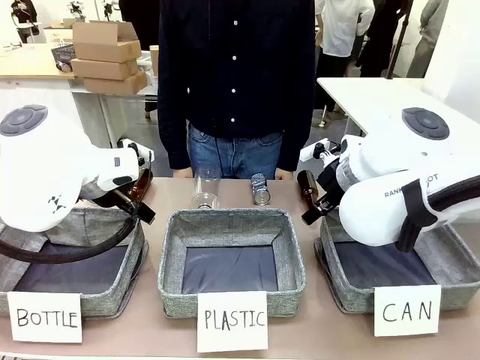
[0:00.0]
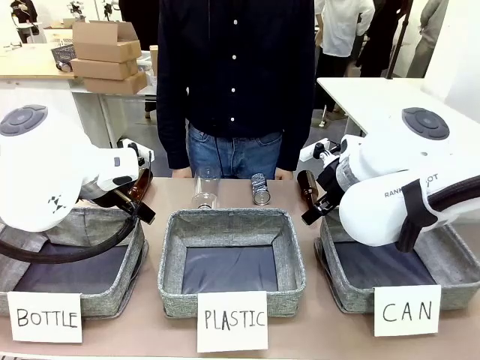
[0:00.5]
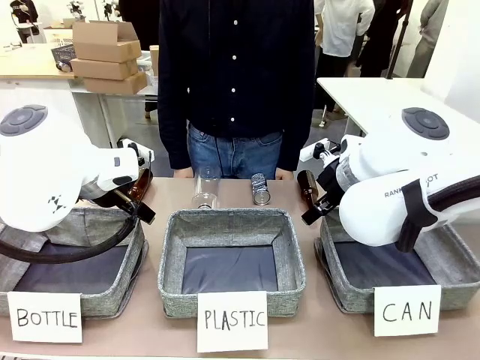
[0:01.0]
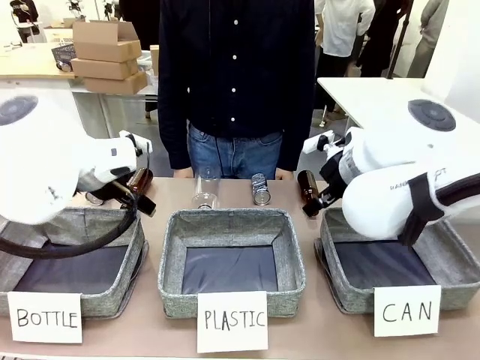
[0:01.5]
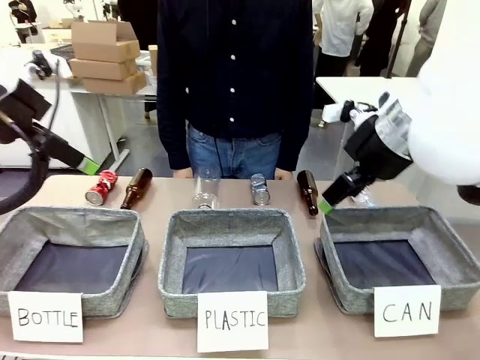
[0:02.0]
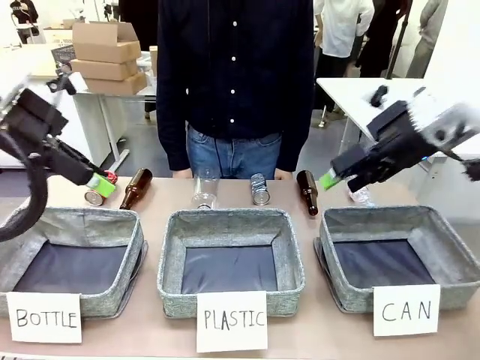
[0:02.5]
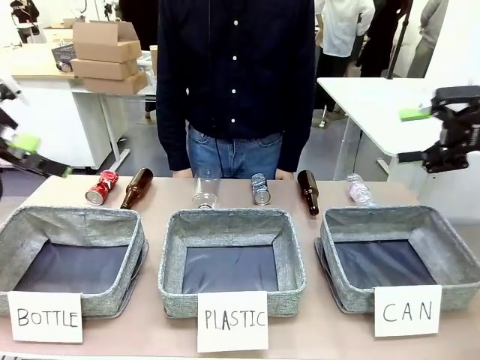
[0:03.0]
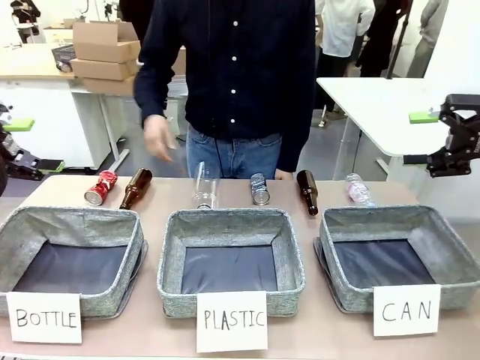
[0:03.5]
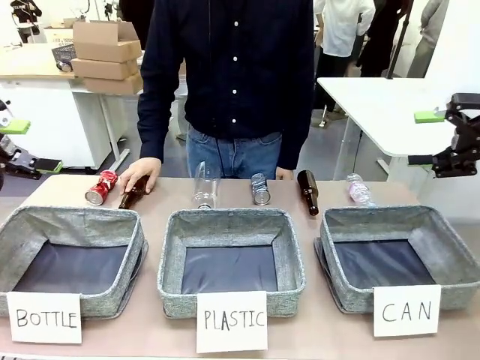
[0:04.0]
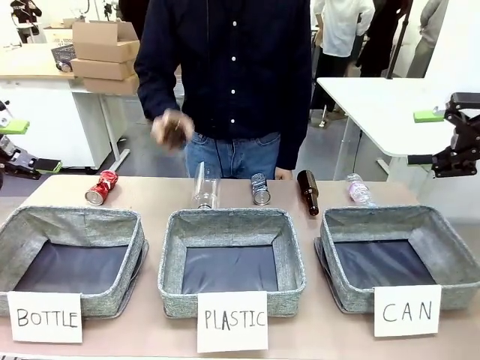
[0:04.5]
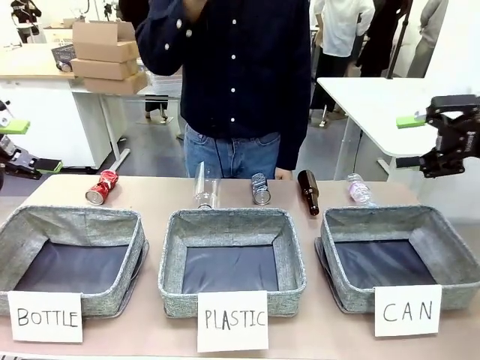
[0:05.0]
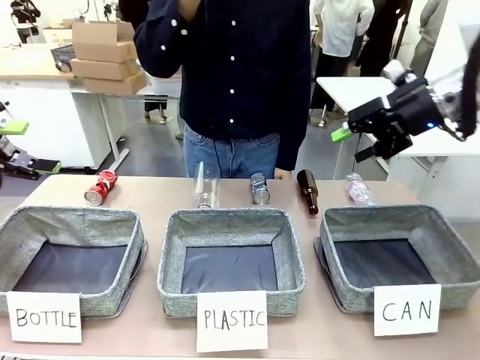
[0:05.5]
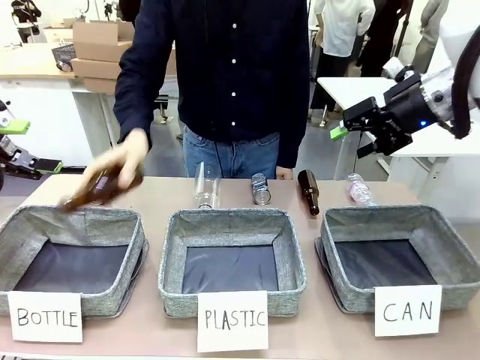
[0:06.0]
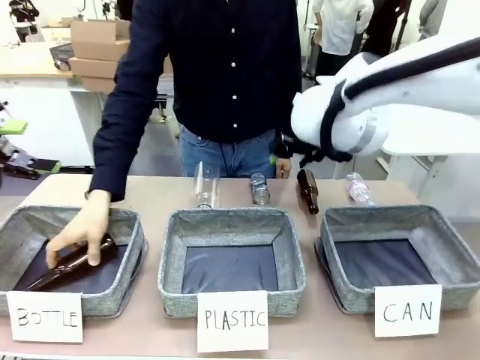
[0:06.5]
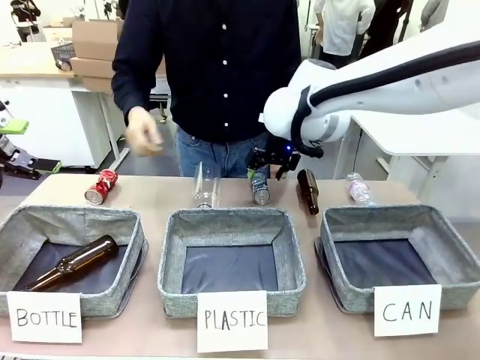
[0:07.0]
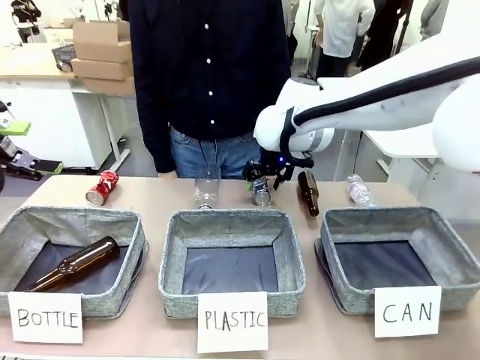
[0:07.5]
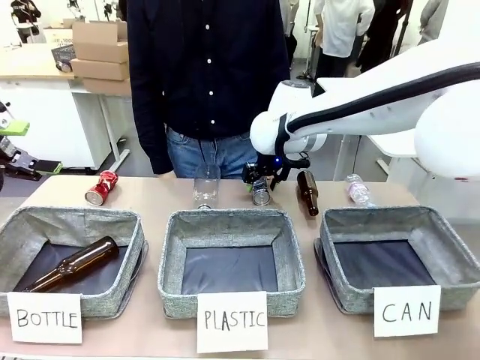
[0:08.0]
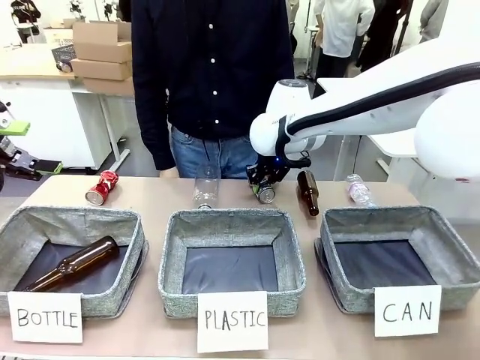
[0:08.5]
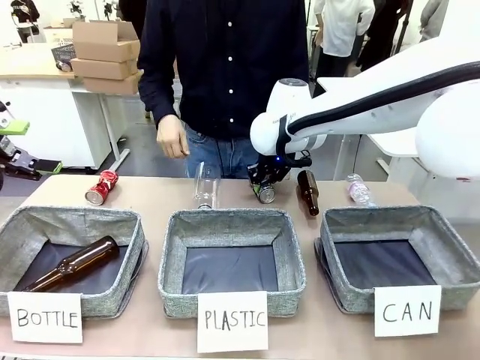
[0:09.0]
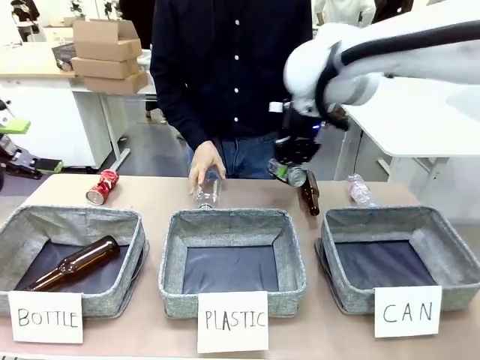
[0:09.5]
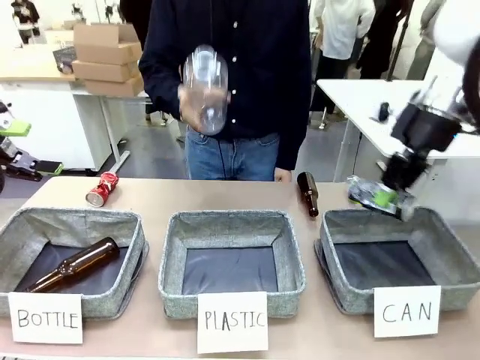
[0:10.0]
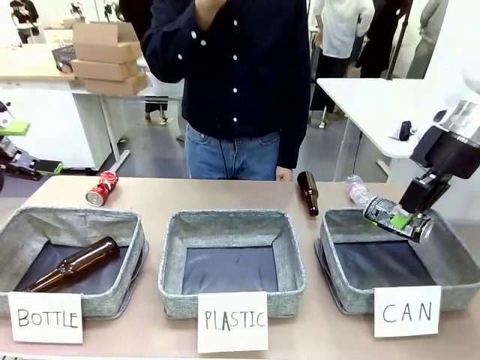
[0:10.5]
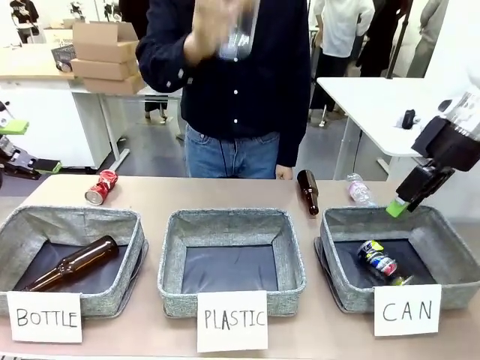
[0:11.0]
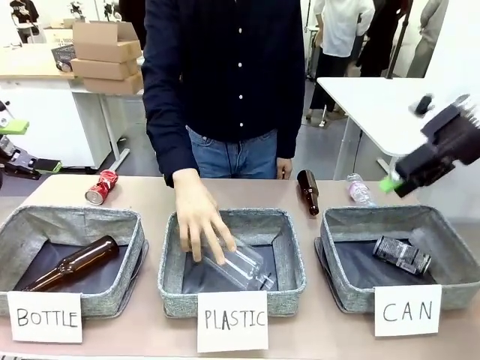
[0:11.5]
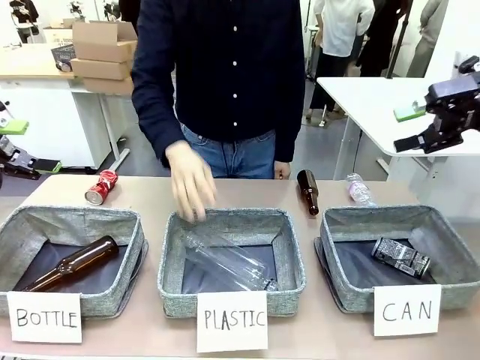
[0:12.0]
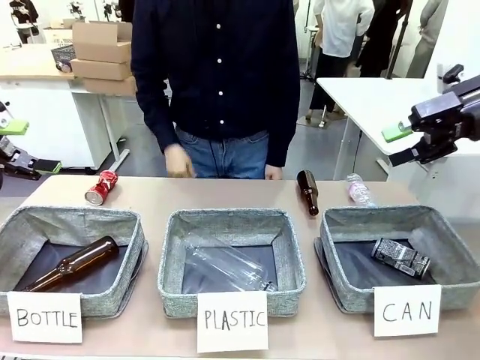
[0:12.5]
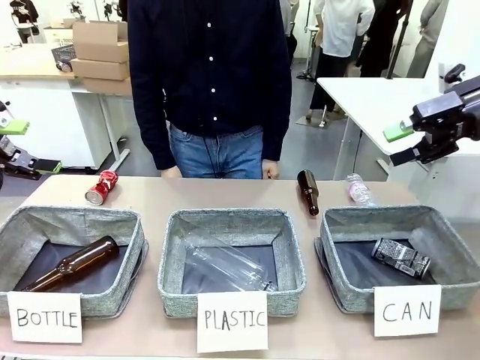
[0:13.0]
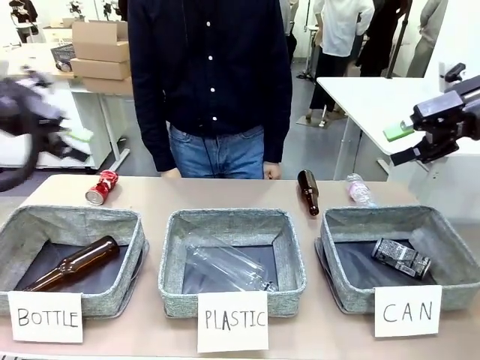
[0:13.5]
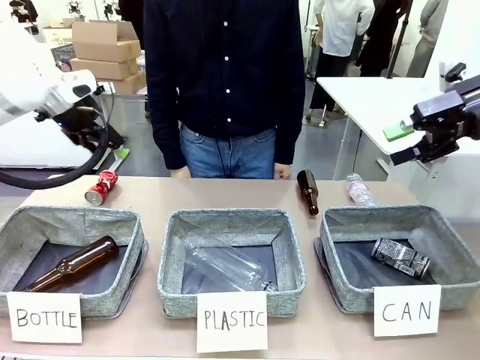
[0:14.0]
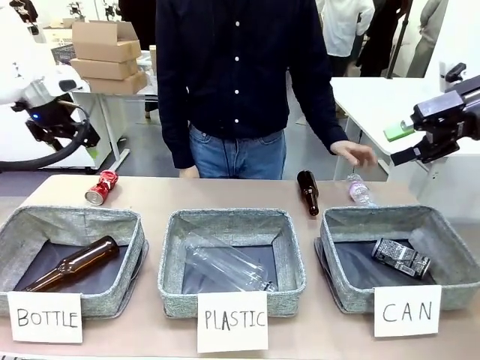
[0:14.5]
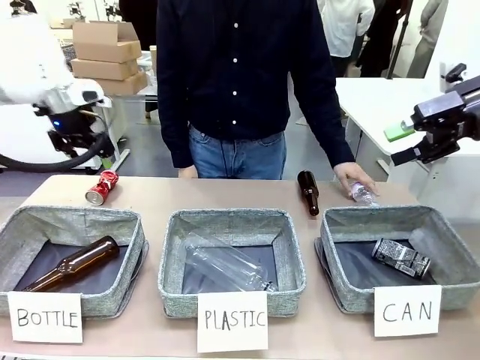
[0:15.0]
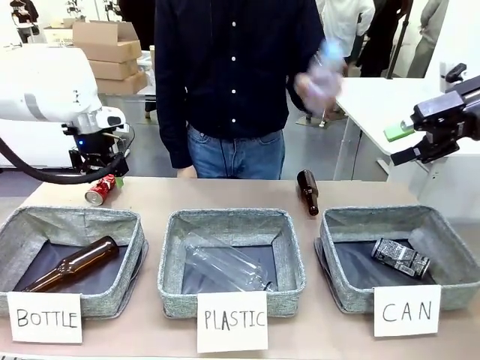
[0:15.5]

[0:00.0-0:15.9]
Task: Sort the can waste into the basket.
Robot: Pick up the can waste from the table and place it in the right Fabric basket.

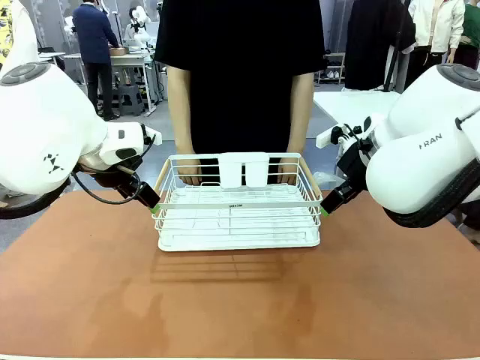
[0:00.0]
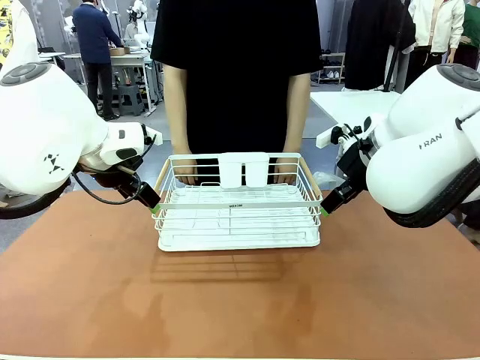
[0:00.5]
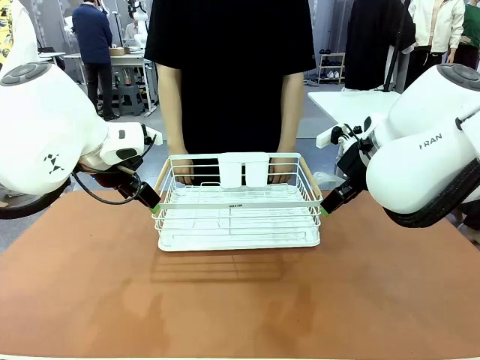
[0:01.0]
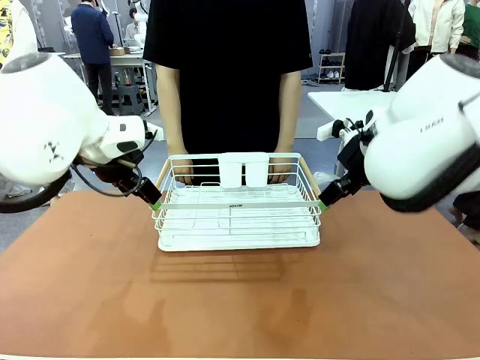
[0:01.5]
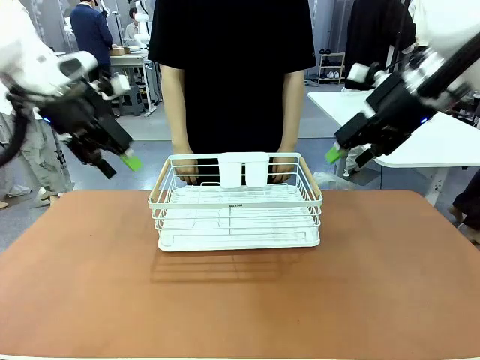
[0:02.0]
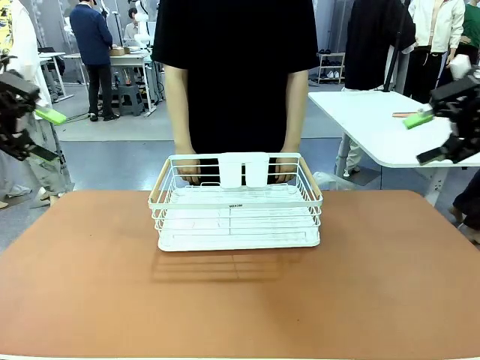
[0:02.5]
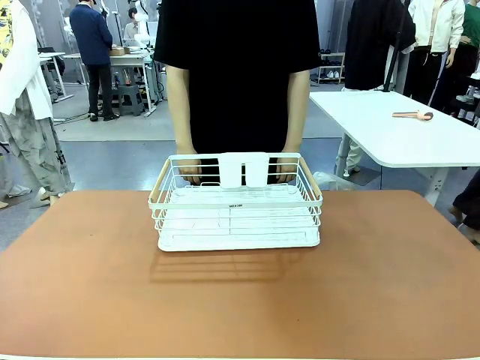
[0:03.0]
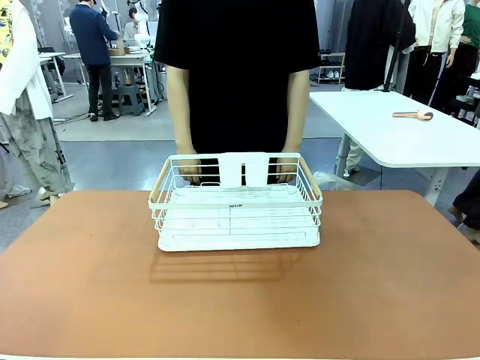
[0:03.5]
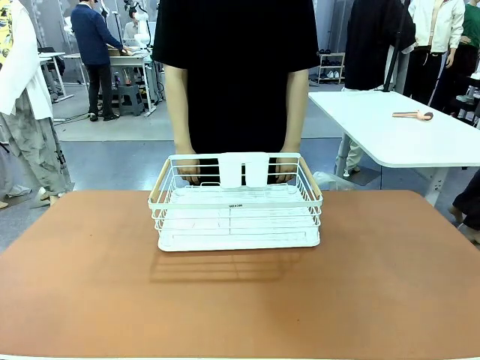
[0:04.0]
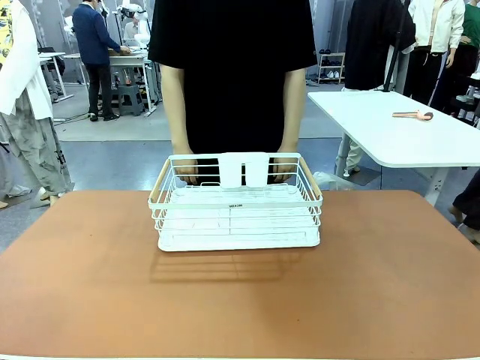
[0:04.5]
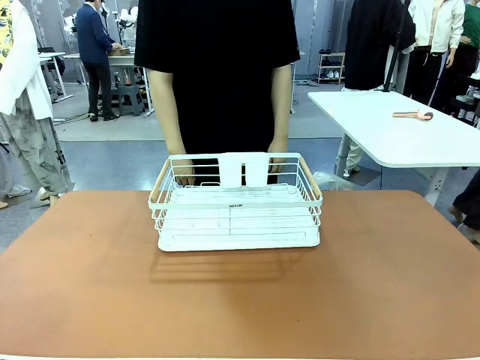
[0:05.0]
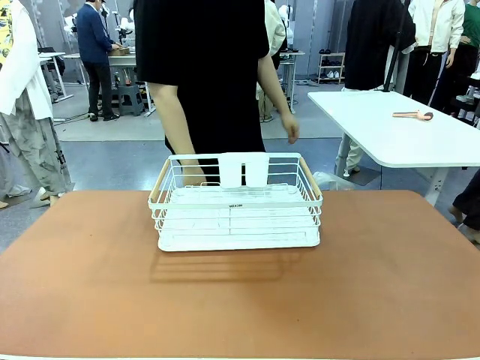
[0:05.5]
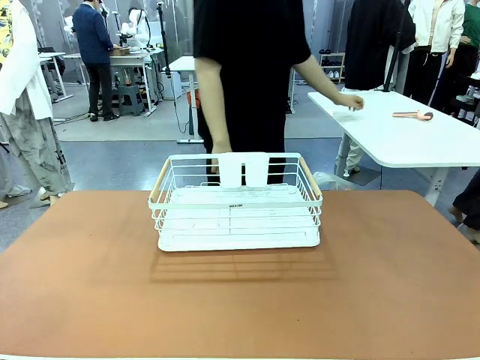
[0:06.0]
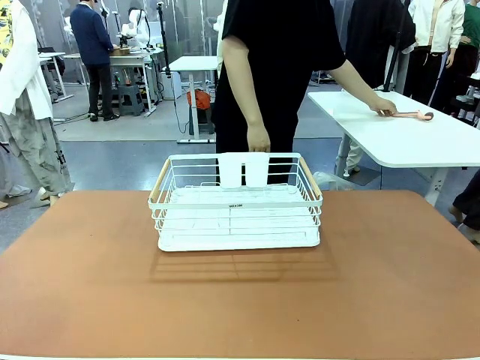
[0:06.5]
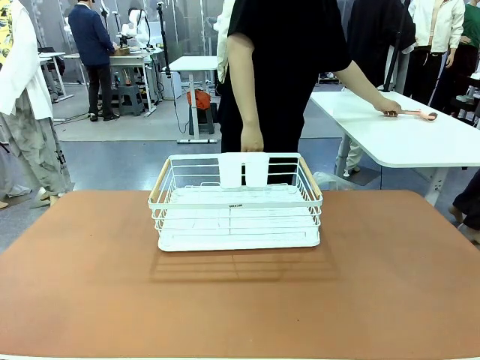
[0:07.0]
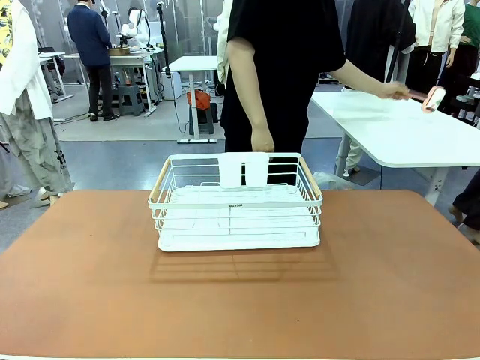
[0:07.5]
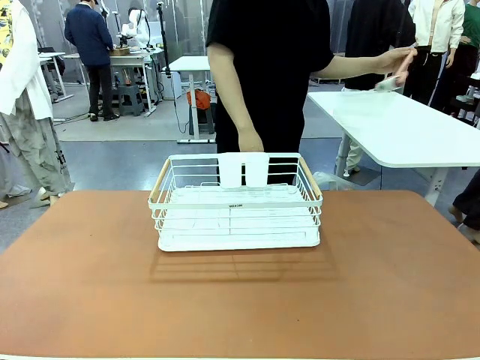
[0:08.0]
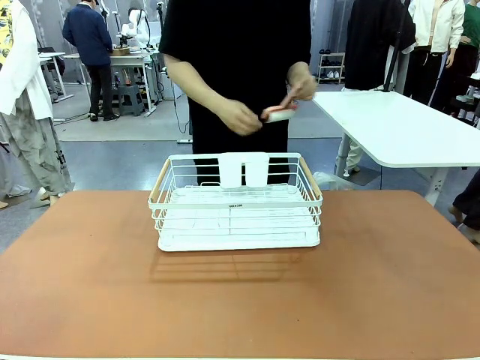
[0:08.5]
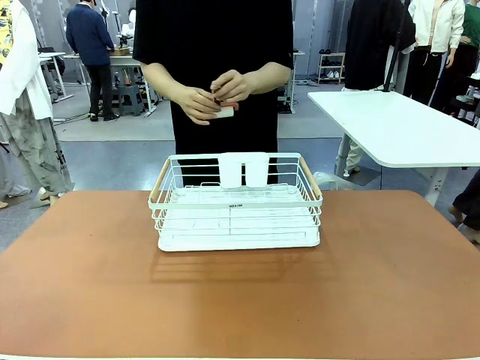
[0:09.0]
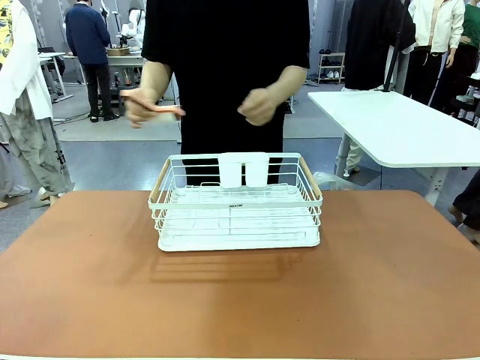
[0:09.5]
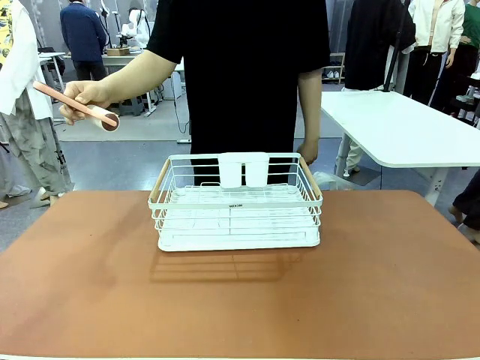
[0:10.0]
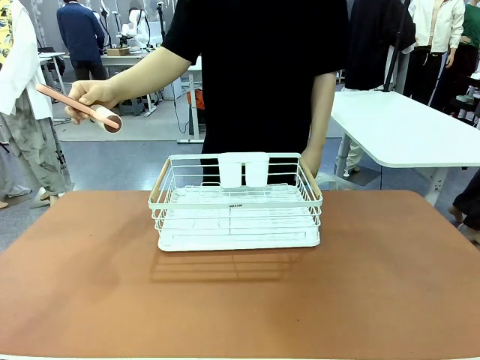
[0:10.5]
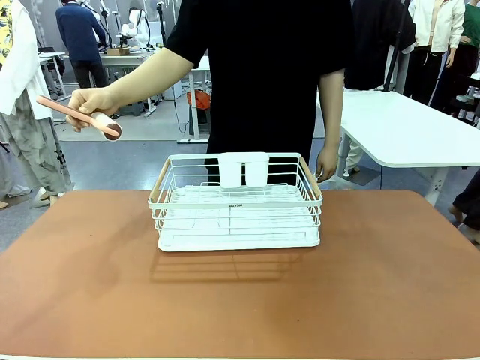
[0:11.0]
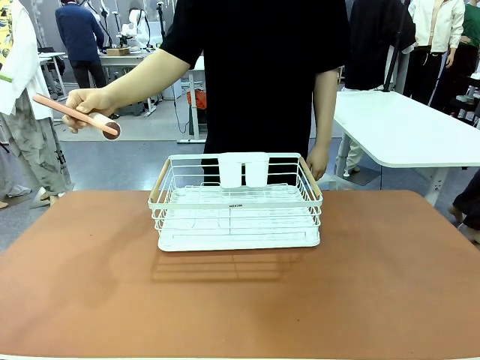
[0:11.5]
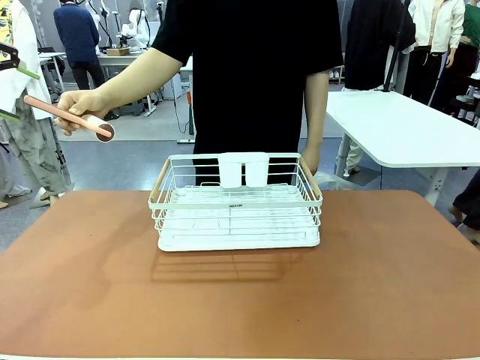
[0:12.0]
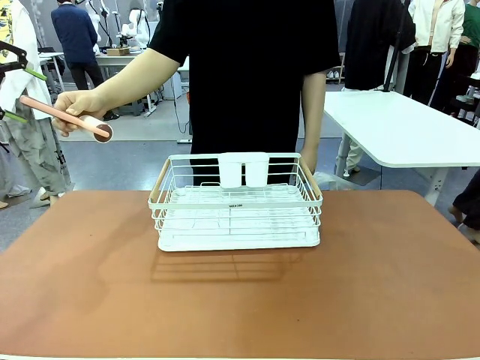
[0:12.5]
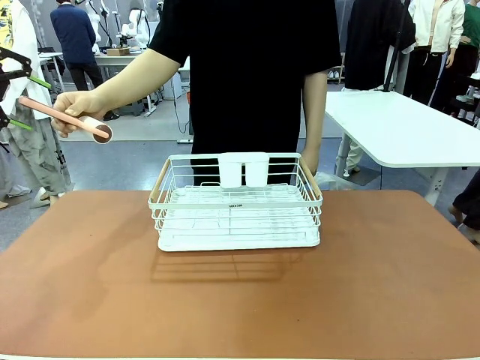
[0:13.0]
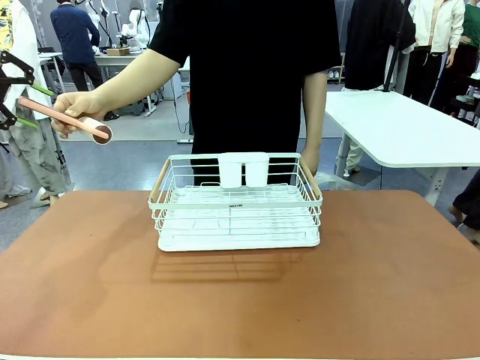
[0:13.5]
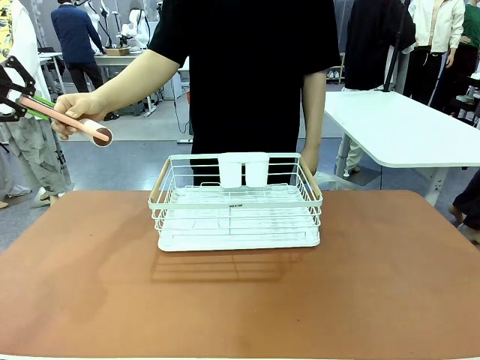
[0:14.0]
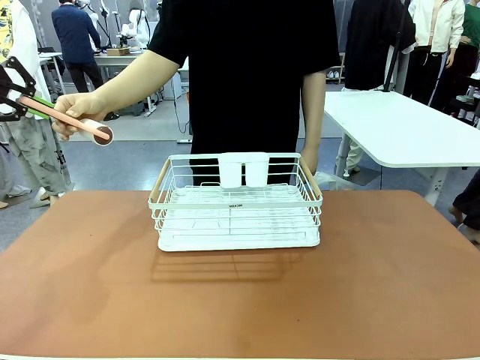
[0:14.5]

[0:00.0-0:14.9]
Task: Clean the table.
Robot: Pick up the Lint Roller when the human hands it over.
Person: Hand the Lint Roller to the robot so it can easily pick it up. Lift the Dish drying rack.
